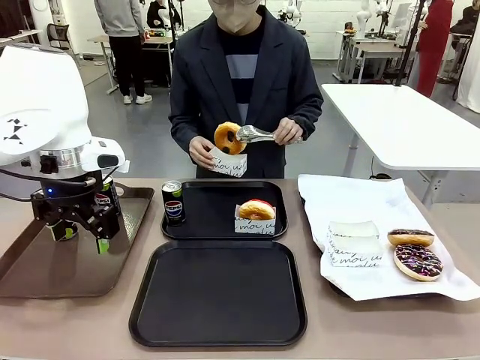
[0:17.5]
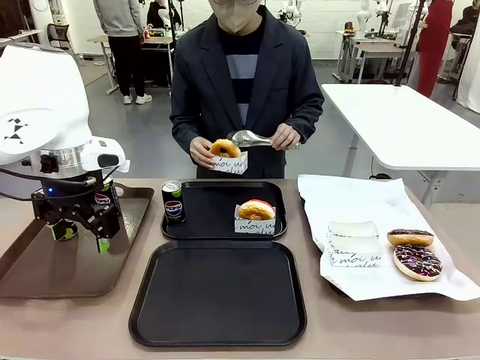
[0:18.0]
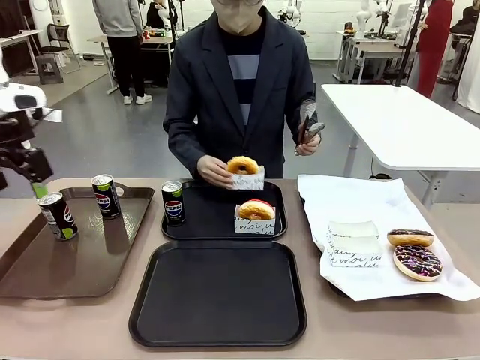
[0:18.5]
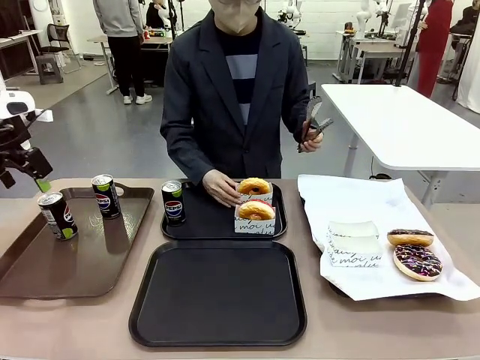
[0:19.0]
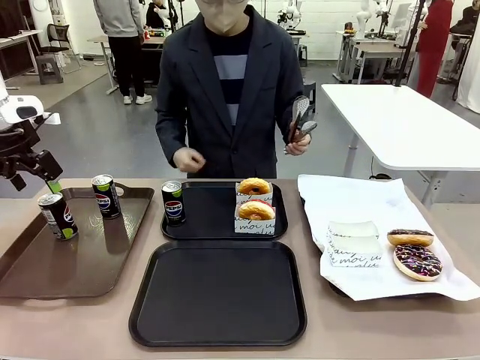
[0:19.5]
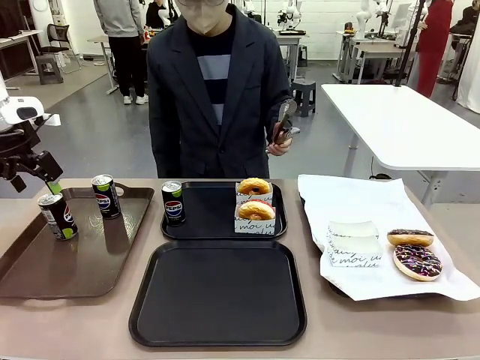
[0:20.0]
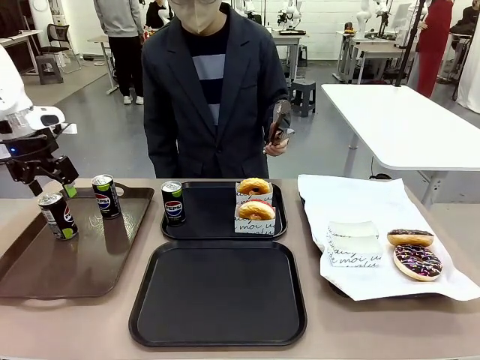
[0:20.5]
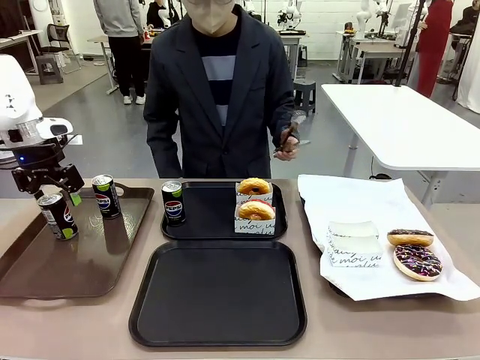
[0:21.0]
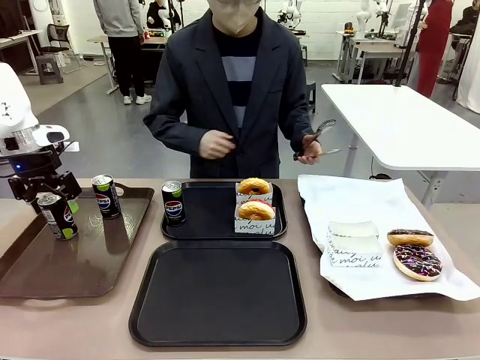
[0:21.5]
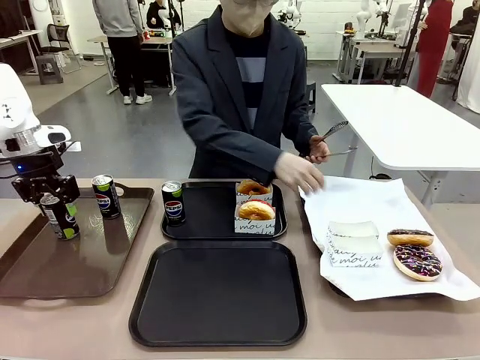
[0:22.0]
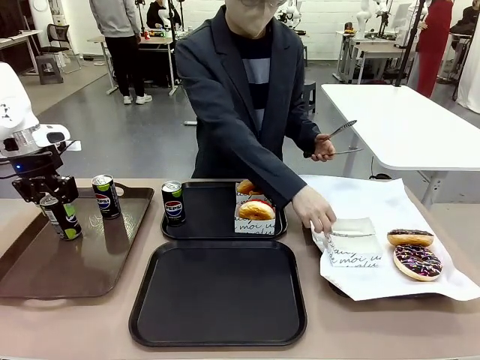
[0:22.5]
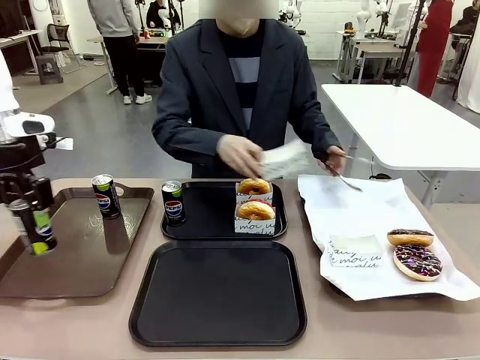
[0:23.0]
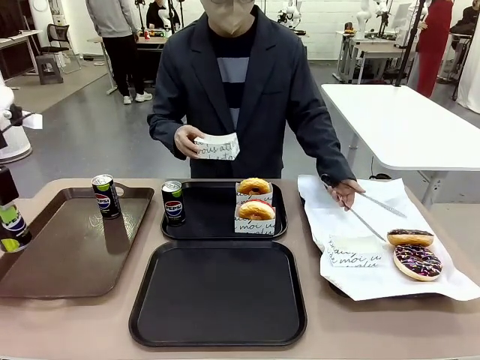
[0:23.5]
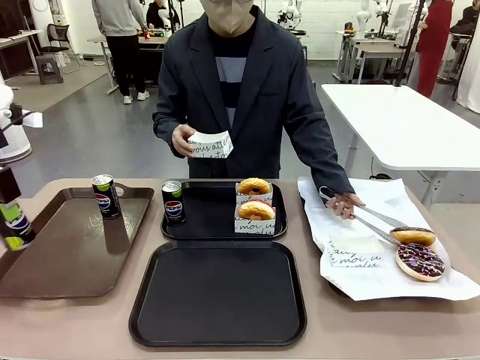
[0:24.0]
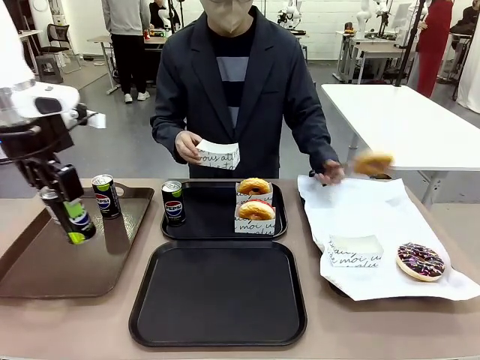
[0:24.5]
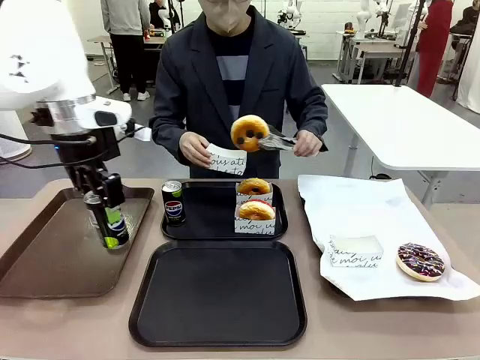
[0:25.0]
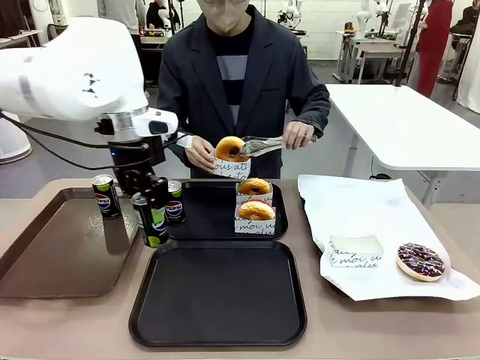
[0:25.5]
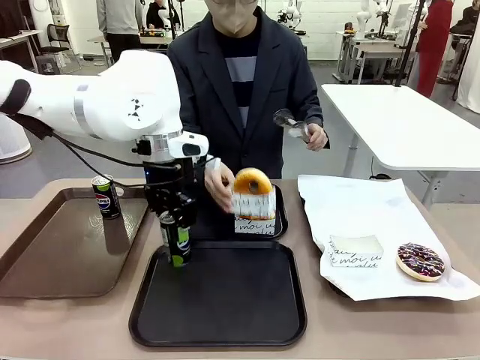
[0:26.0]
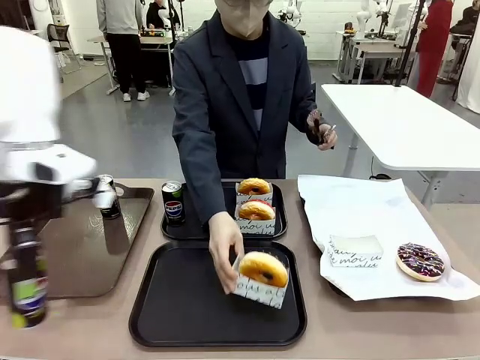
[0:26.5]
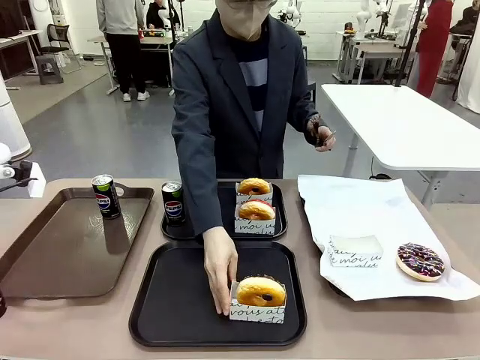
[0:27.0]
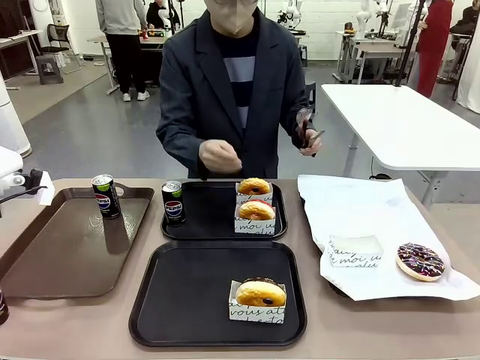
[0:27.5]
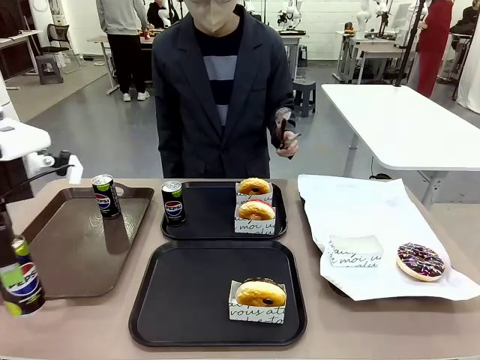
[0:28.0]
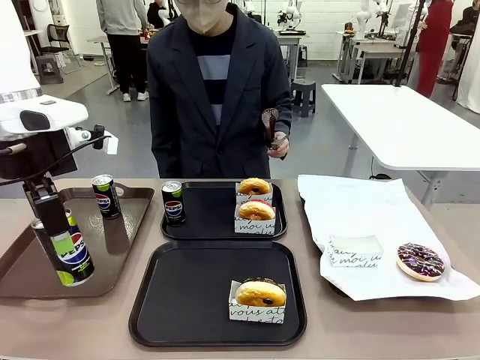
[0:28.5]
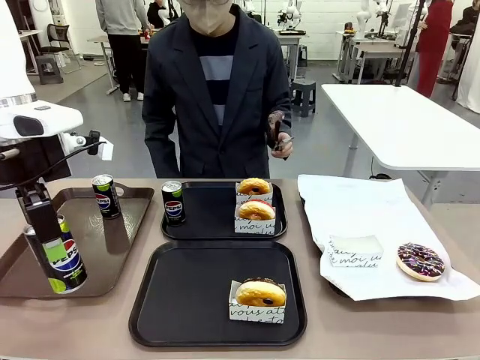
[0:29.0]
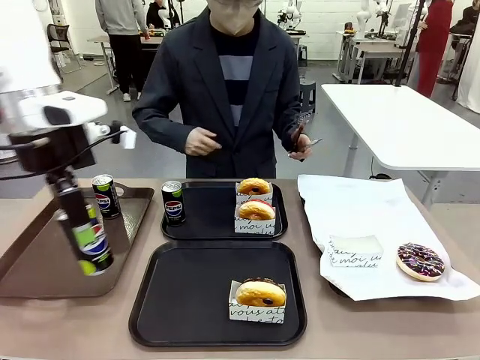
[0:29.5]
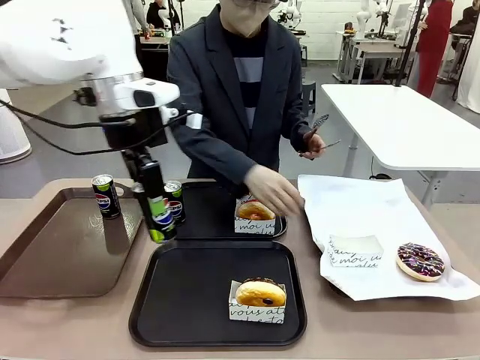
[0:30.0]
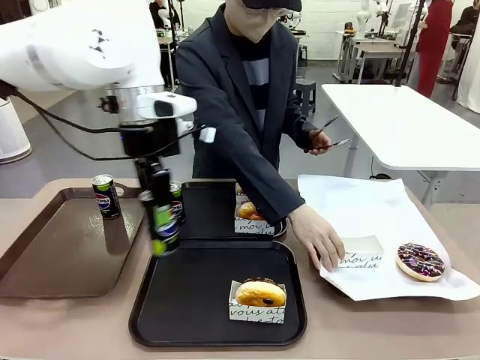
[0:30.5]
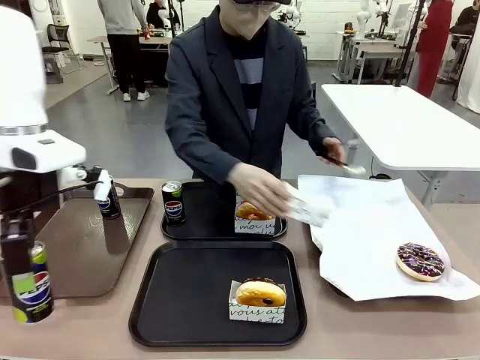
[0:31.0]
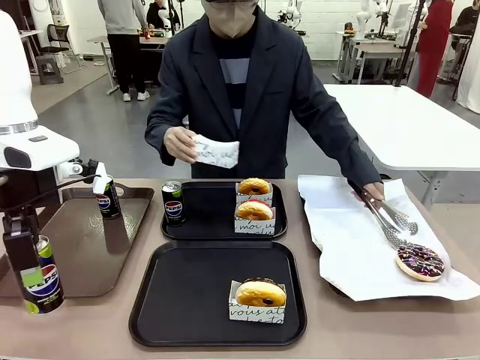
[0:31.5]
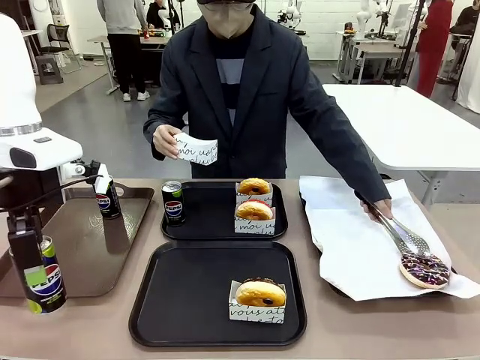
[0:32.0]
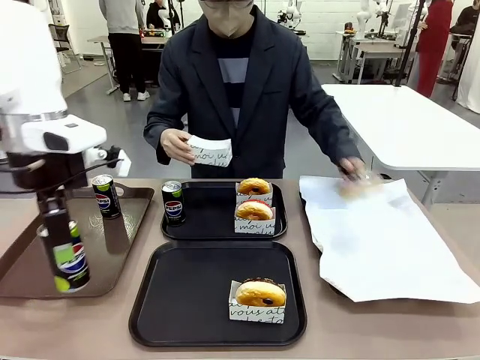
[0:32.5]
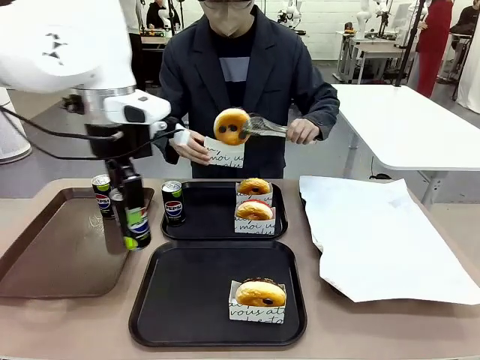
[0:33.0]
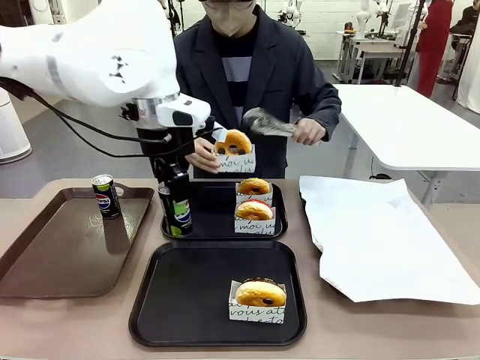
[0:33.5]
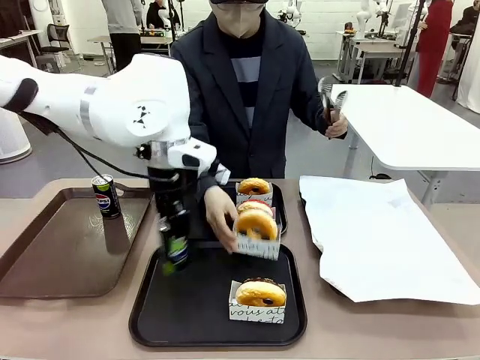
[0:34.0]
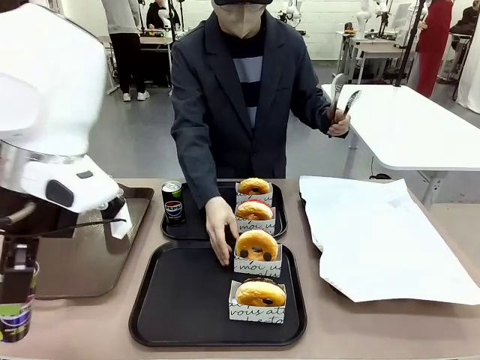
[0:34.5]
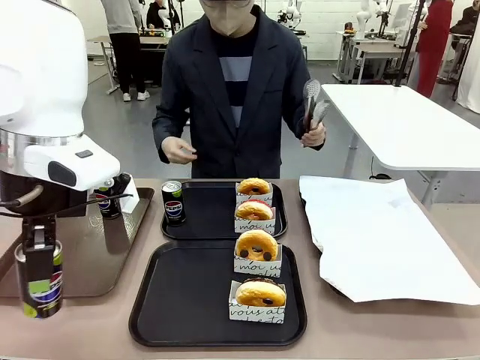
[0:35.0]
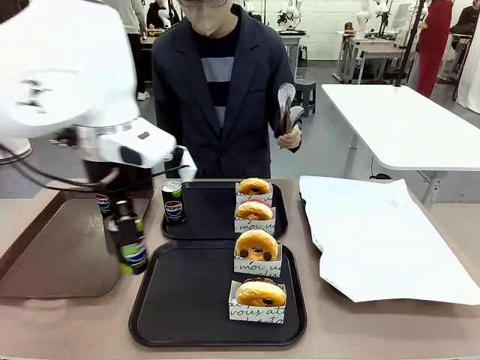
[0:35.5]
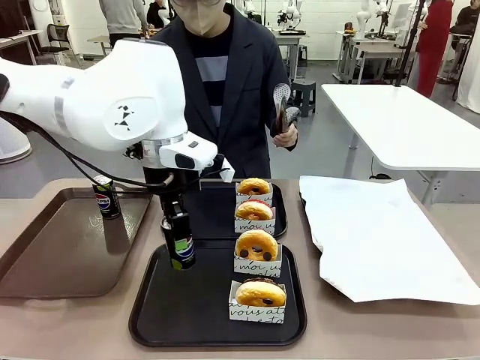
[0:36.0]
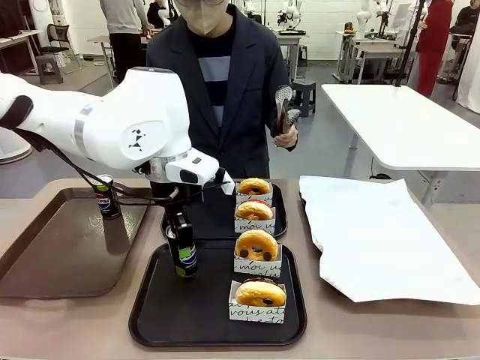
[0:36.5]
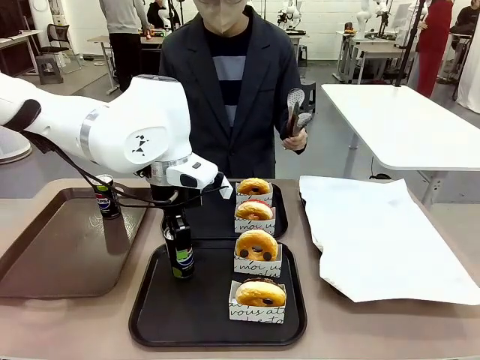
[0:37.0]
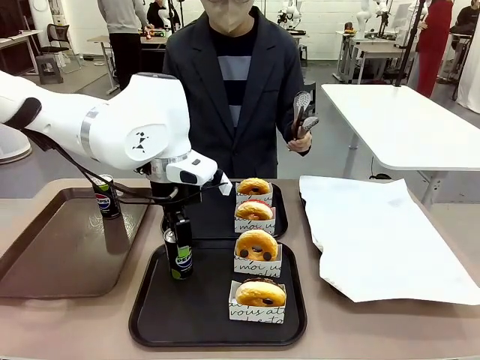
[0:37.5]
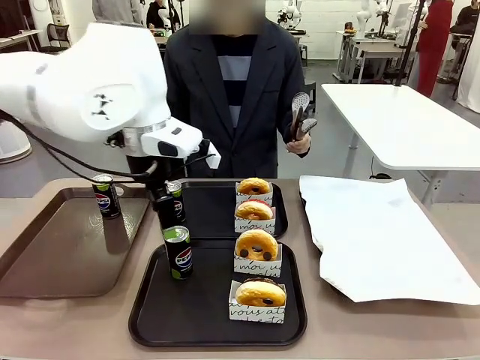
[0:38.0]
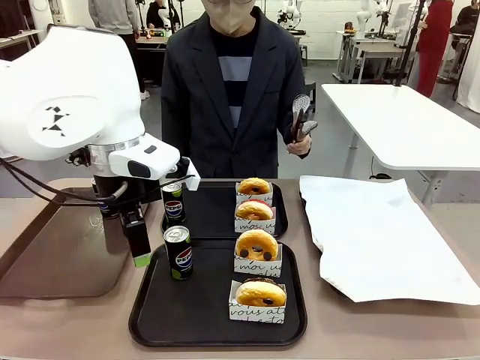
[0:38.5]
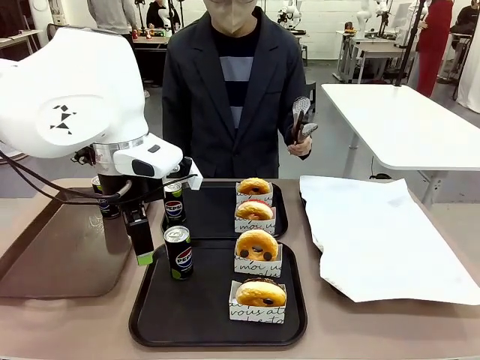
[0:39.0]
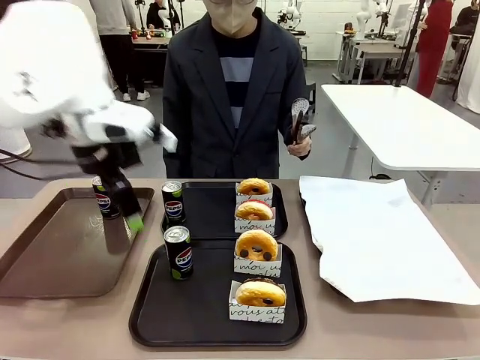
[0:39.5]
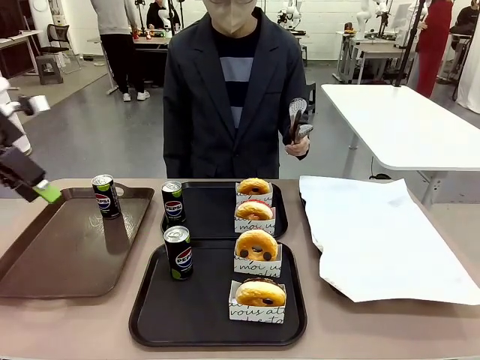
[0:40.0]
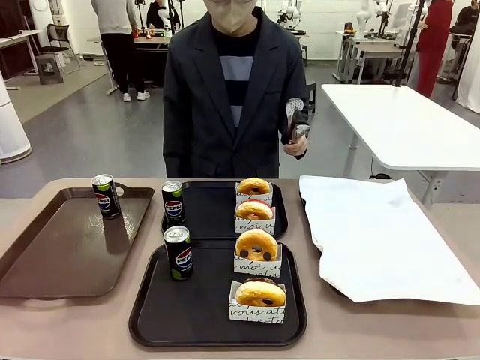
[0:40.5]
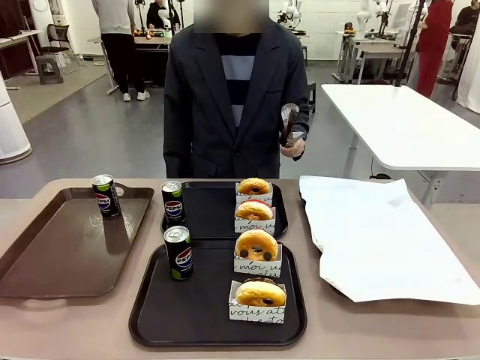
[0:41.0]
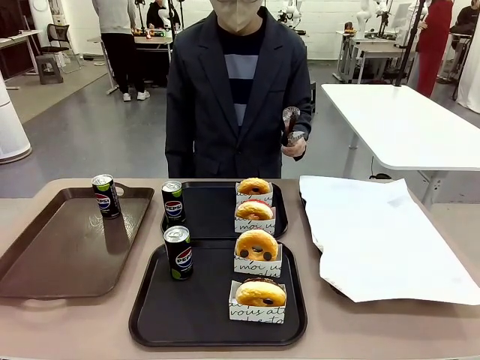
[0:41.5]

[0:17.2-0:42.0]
Task: Set up donuts and drinks on trays.
Robot: Pick up one Pepsi coke from the Handle tray and place it on the Flat Tray without a Pepsi coke.
Person: Pick up one donut with tongs, place it in the donut tray, and then place the donut tray on the flat tray.
